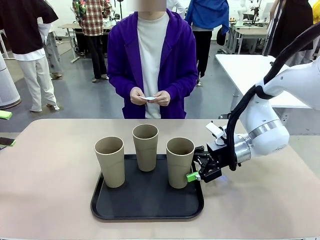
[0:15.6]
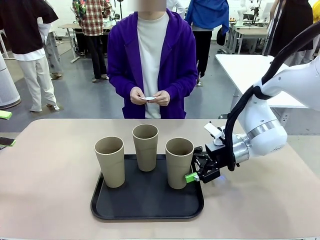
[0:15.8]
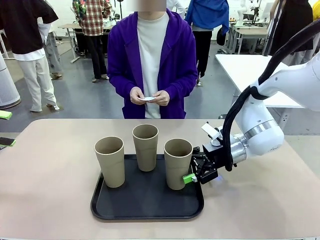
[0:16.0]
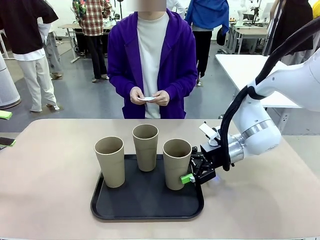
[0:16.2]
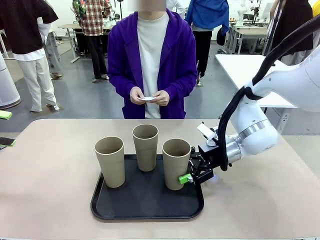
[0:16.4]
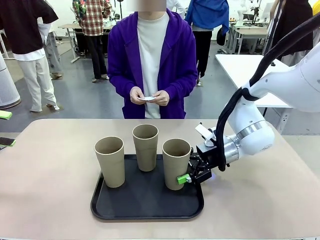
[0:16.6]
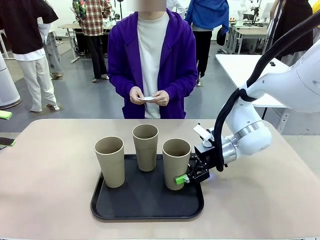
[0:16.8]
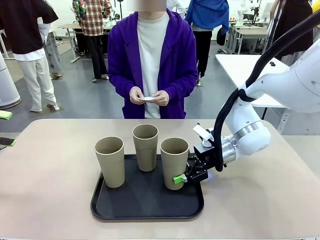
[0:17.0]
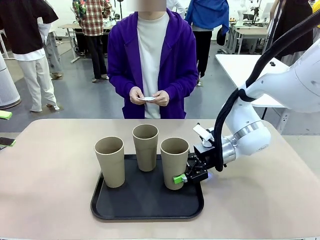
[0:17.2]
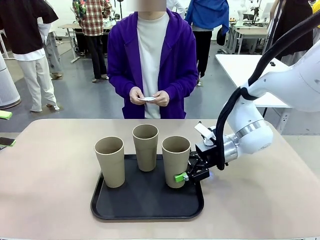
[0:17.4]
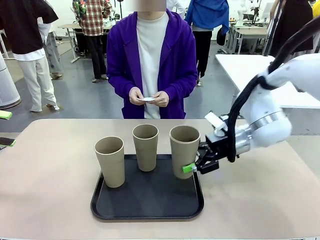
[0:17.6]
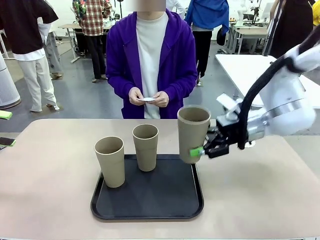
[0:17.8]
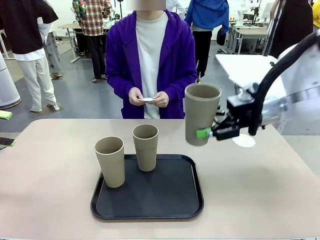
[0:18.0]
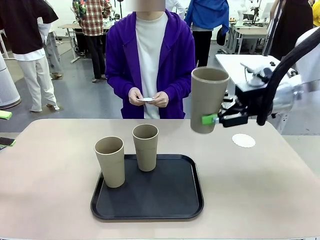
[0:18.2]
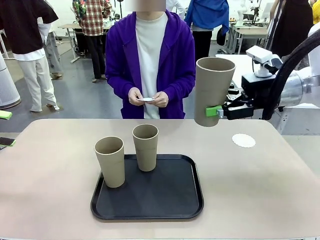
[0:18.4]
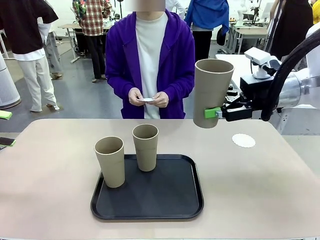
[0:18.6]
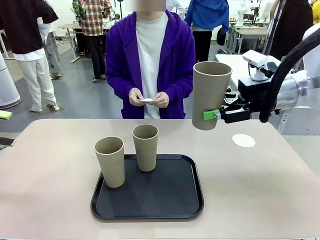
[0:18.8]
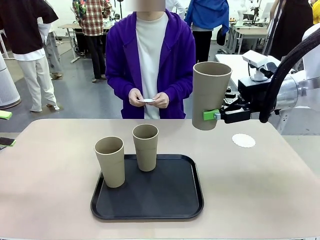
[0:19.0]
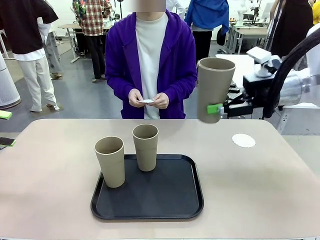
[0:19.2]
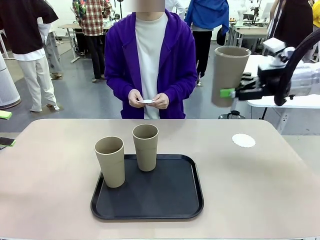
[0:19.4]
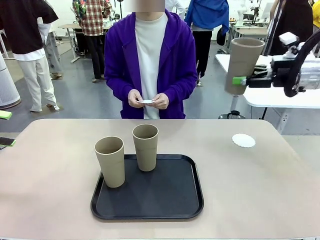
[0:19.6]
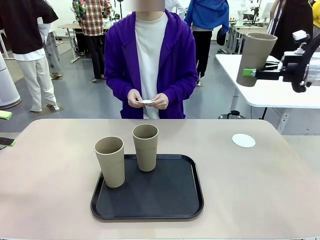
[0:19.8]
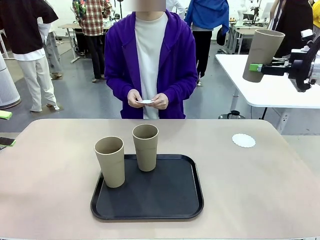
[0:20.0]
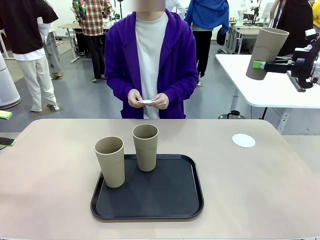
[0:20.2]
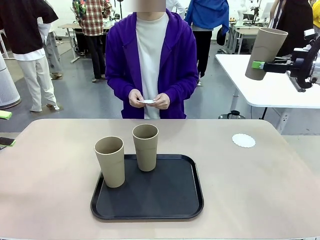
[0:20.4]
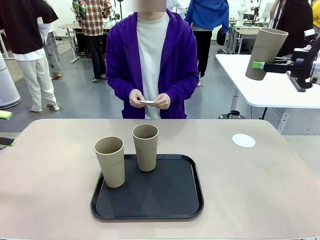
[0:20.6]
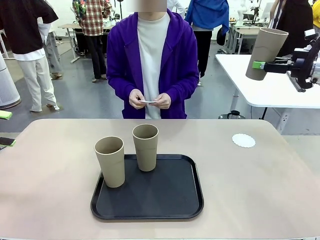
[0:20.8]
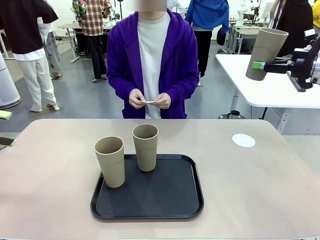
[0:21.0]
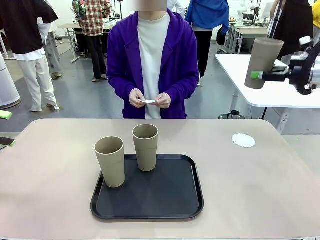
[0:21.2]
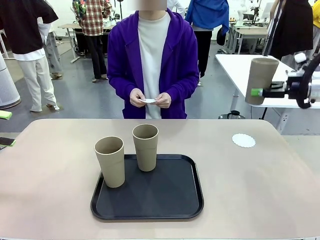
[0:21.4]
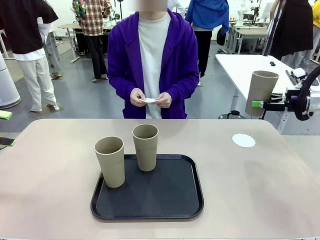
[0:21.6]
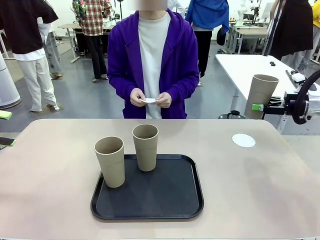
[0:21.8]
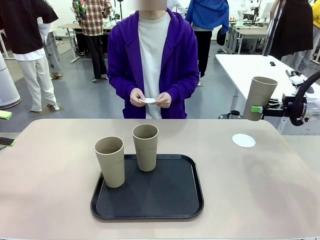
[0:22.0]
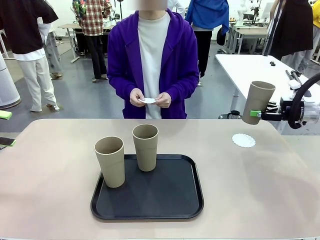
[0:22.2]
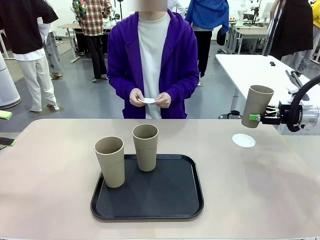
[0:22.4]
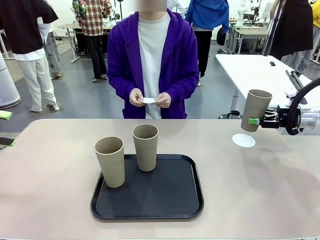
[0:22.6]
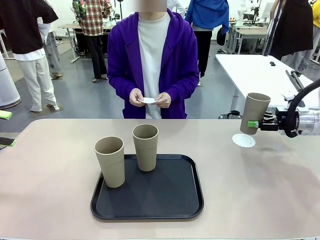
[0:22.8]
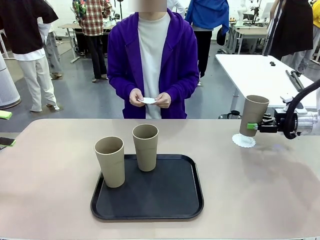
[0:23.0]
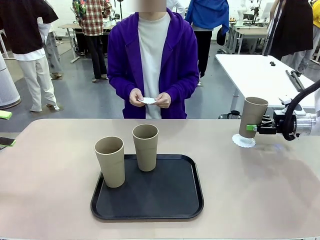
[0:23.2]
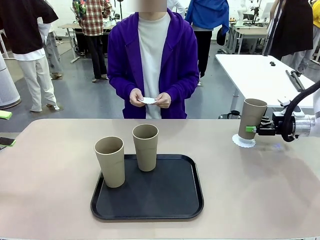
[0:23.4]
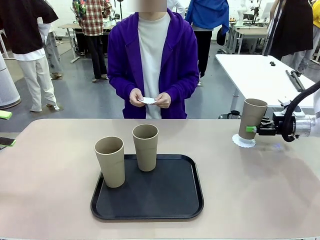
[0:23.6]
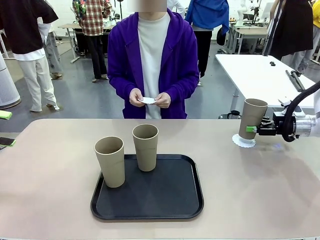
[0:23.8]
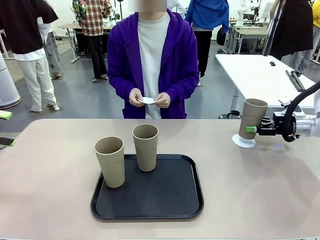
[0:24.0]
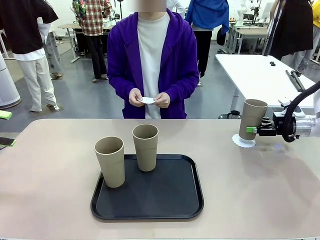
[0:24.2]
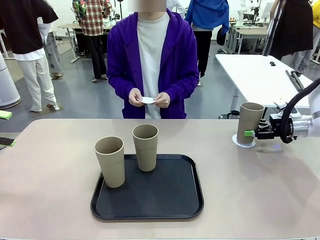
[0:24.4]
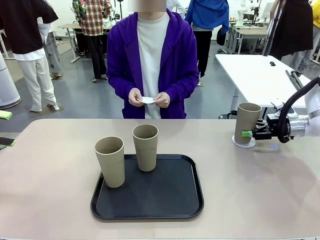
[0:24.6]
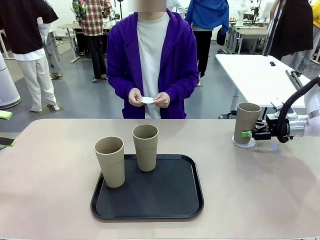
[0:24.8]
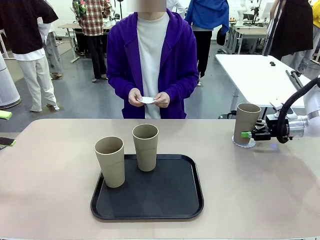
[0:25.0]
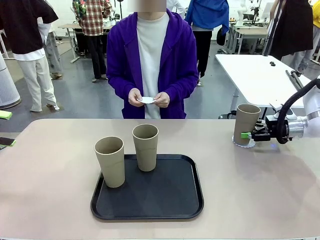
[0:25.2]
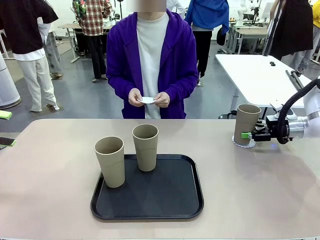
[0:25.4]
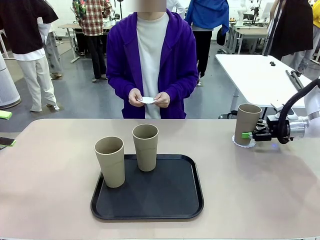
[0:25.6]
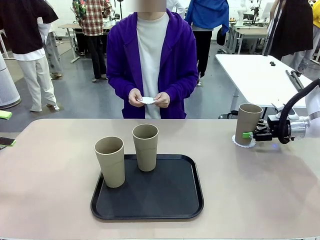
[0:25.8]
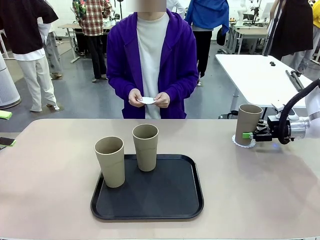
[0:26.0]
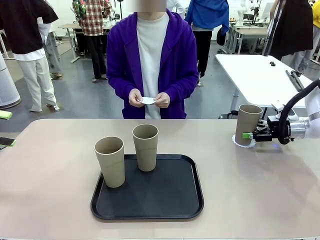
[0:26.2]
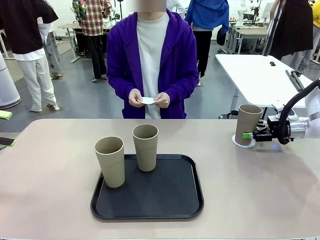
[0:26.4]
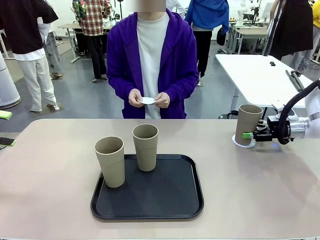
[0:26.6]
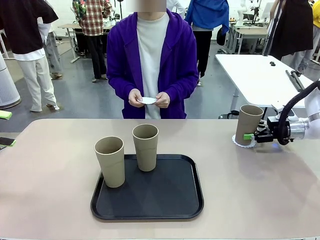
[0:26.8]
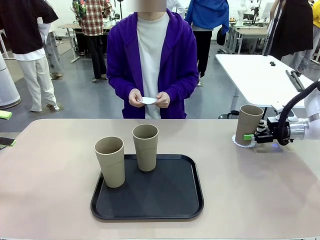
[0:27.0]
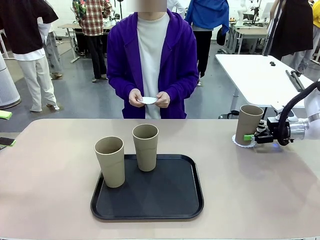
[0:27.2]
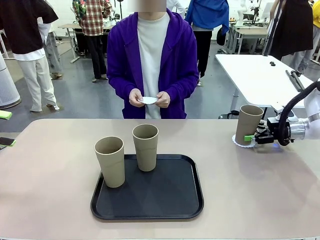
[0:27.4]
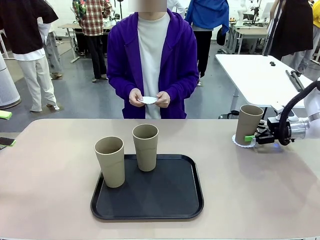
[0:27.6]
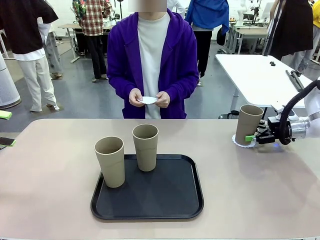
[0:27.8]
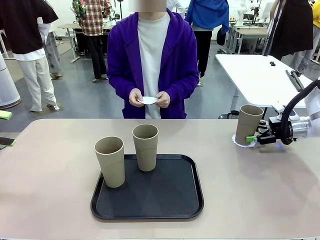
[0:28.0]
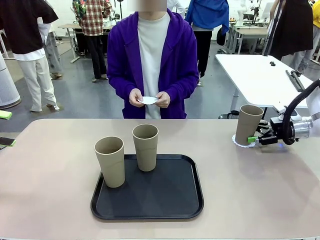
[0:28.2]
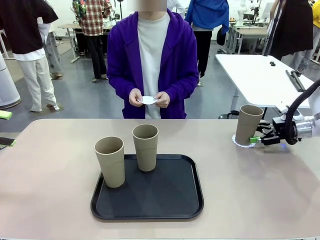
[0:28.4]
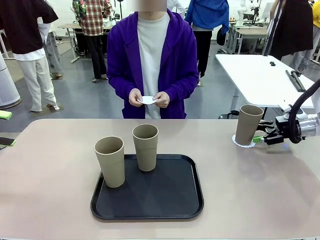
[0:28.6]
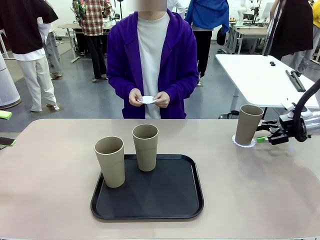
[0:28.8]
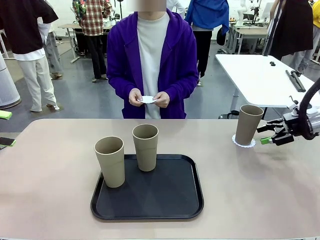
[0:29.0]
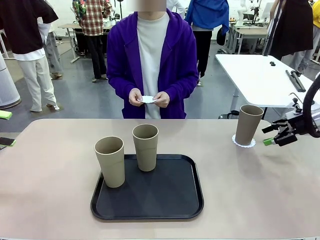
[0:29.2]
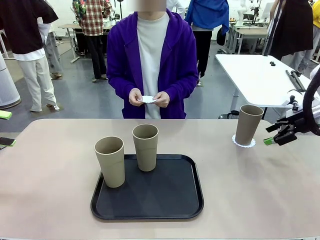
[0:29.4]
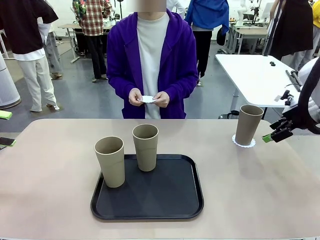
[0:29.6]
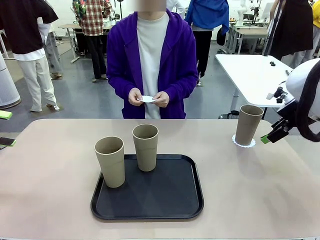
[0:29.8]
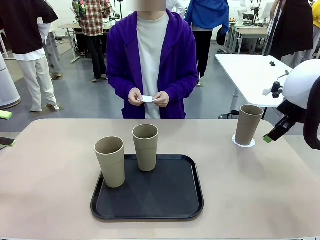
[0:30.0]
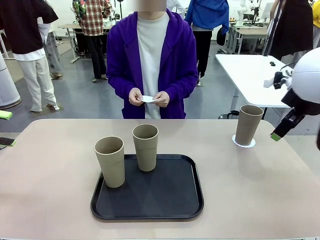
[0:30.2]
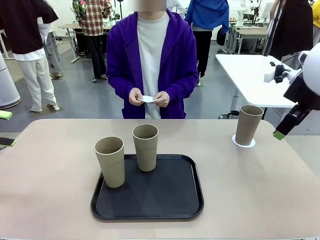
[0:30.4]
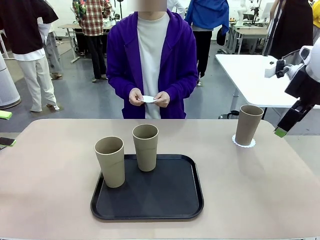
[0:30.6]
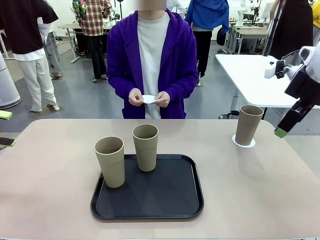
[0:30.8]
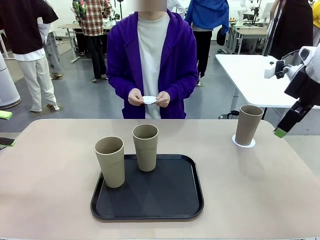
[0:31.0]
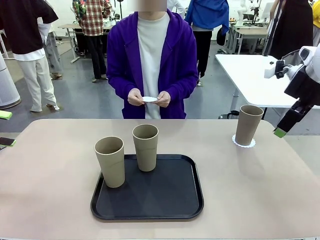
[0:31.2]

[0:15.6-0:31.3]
Task: Place coasters on the table and set cups on them.
Robot: Pick up one Reusable plastic cup and place it on a coaster set by the human.
Person: Place one coaster in one of the two areas excluding the previously selected area.
